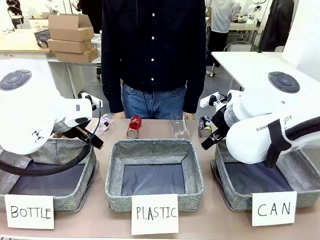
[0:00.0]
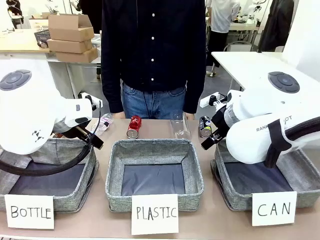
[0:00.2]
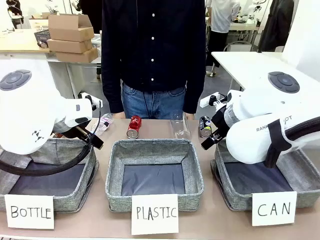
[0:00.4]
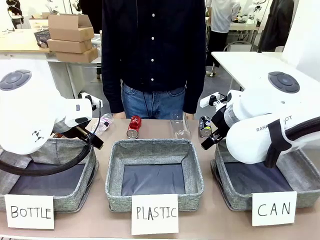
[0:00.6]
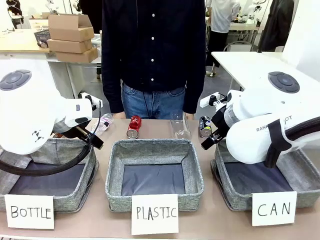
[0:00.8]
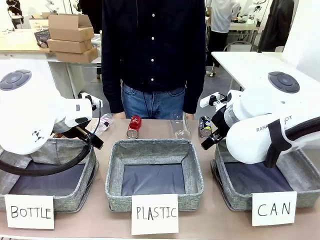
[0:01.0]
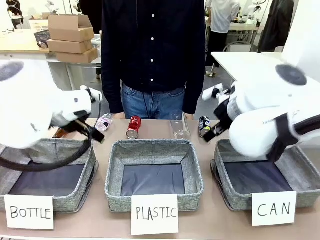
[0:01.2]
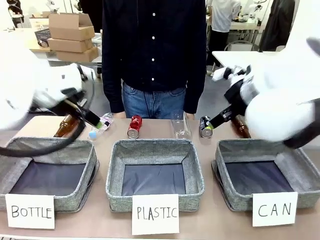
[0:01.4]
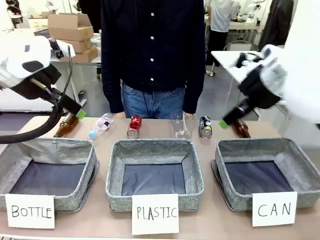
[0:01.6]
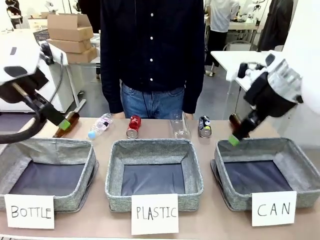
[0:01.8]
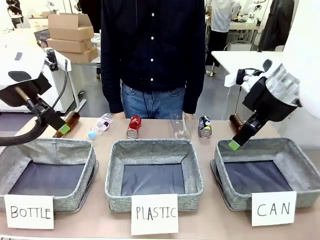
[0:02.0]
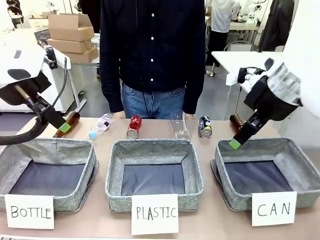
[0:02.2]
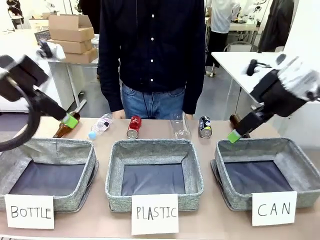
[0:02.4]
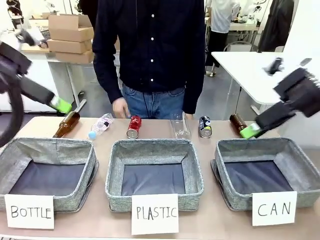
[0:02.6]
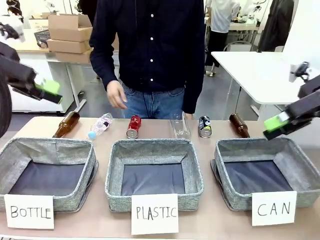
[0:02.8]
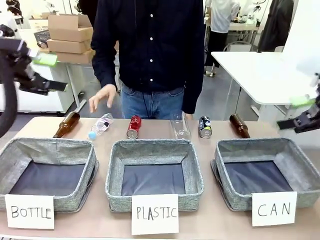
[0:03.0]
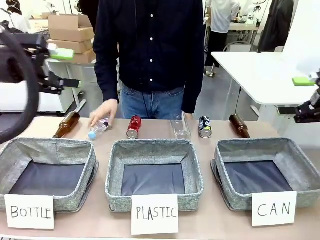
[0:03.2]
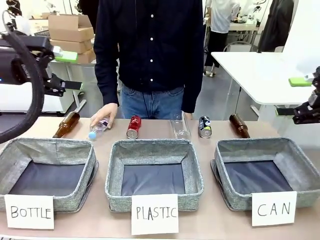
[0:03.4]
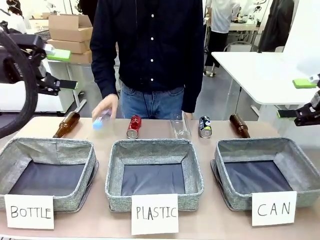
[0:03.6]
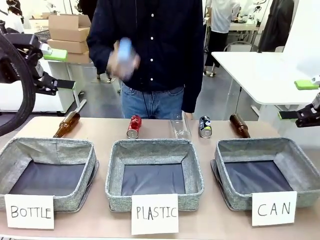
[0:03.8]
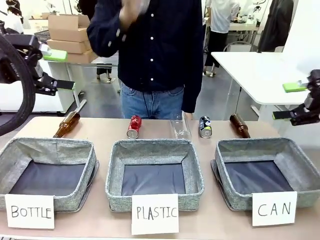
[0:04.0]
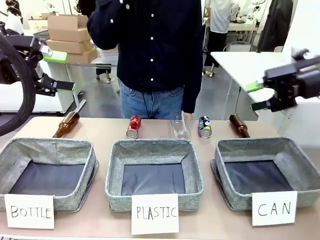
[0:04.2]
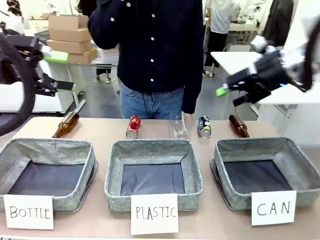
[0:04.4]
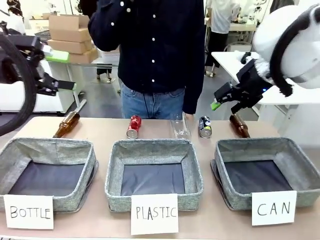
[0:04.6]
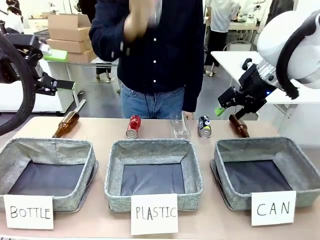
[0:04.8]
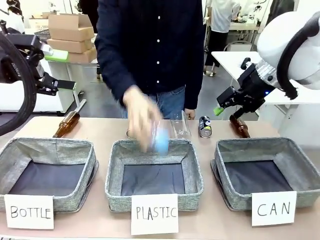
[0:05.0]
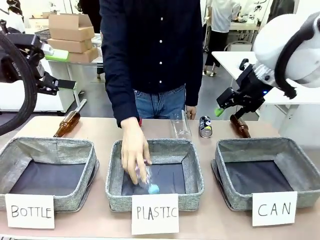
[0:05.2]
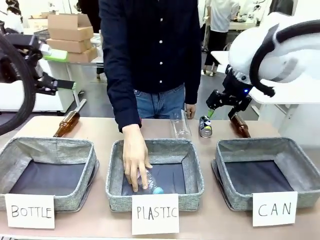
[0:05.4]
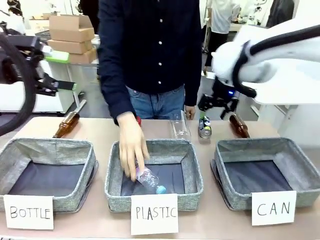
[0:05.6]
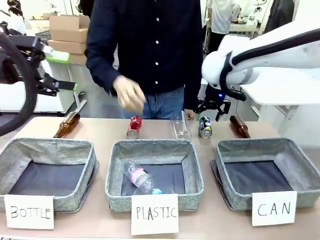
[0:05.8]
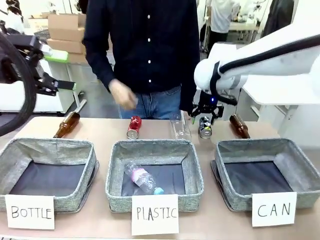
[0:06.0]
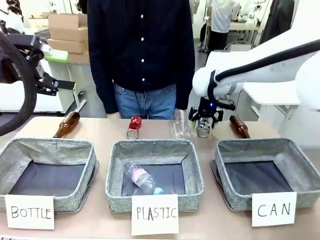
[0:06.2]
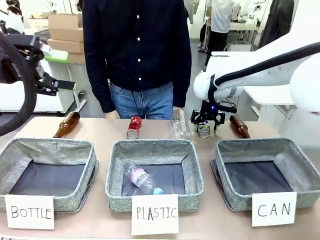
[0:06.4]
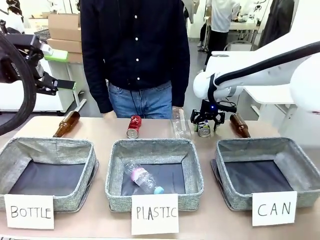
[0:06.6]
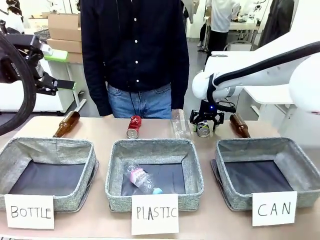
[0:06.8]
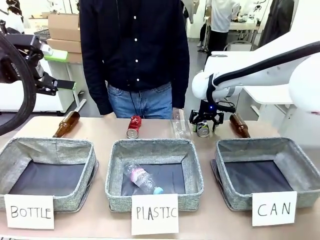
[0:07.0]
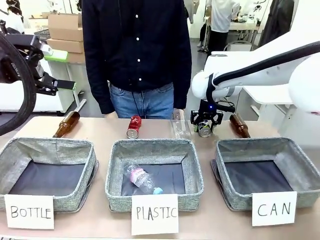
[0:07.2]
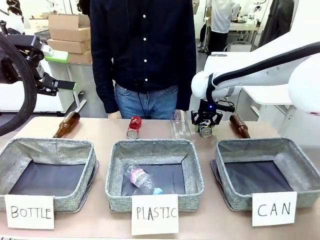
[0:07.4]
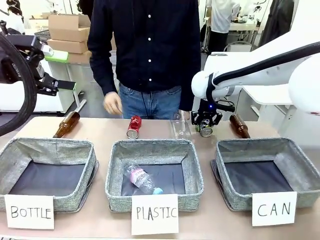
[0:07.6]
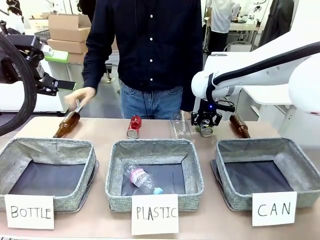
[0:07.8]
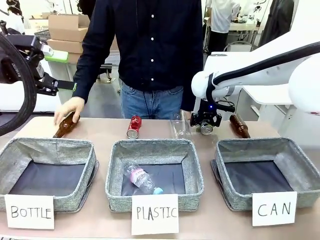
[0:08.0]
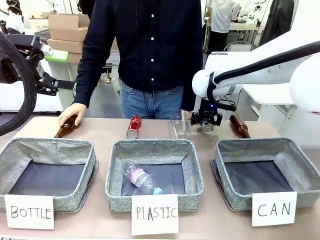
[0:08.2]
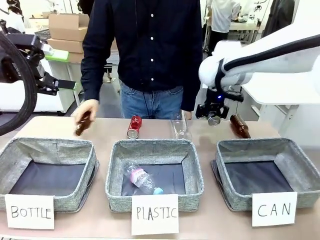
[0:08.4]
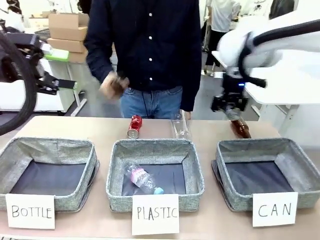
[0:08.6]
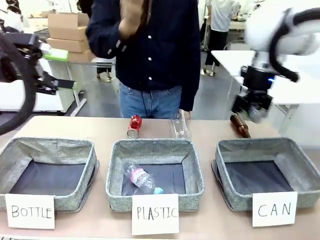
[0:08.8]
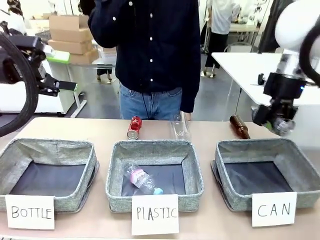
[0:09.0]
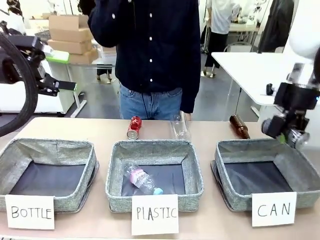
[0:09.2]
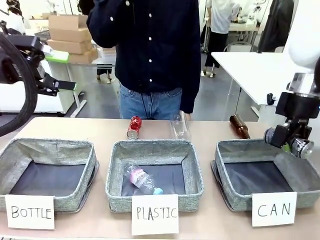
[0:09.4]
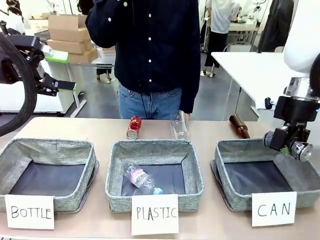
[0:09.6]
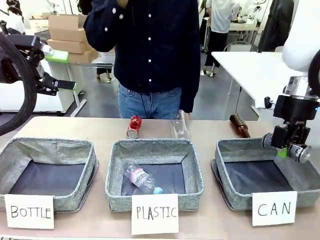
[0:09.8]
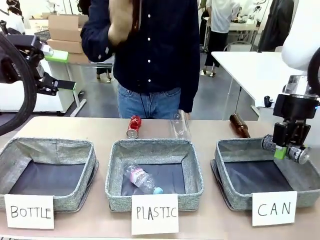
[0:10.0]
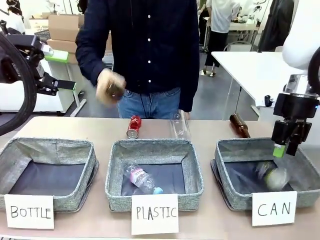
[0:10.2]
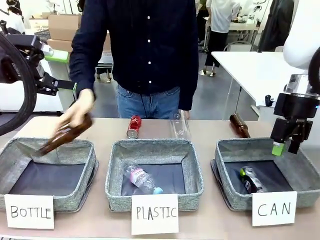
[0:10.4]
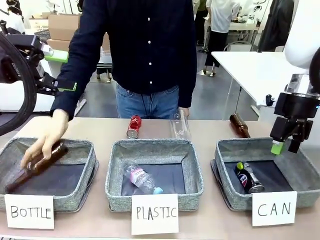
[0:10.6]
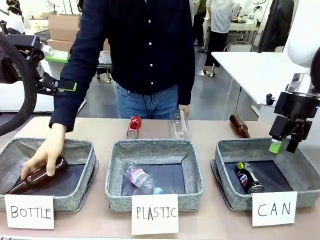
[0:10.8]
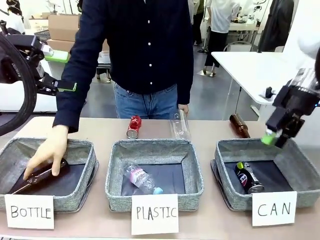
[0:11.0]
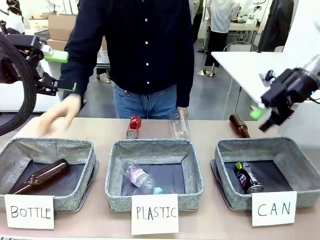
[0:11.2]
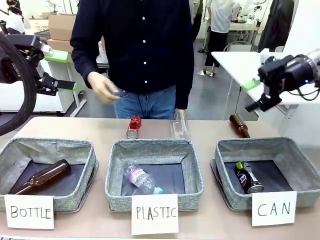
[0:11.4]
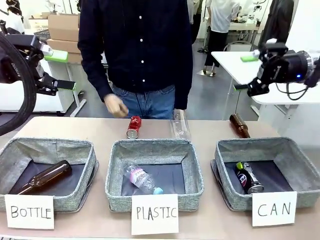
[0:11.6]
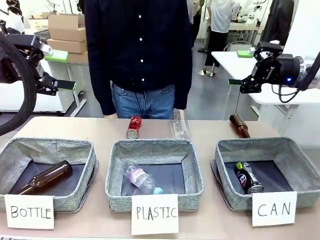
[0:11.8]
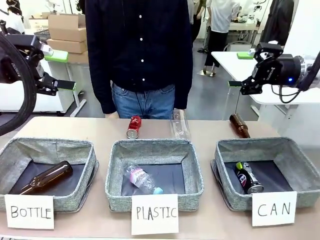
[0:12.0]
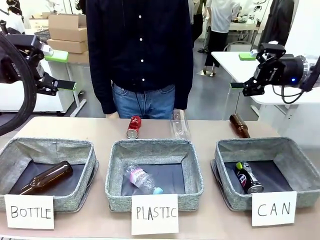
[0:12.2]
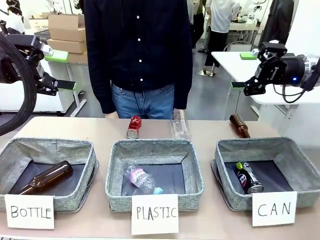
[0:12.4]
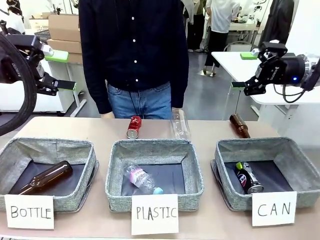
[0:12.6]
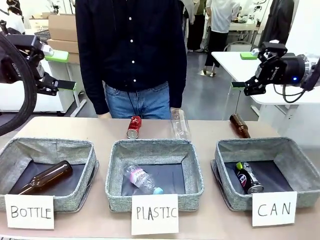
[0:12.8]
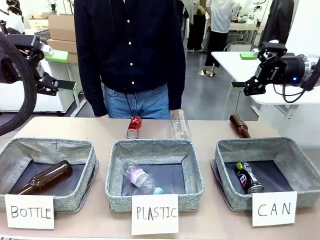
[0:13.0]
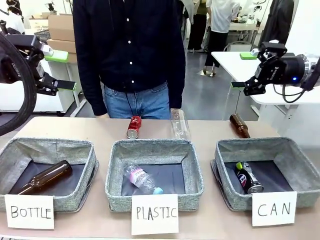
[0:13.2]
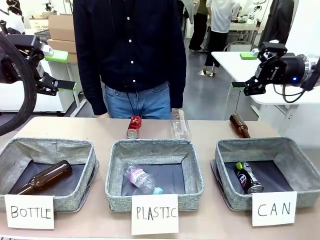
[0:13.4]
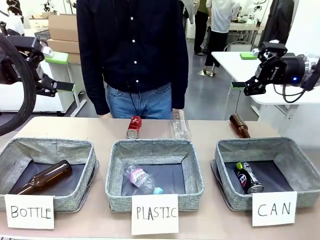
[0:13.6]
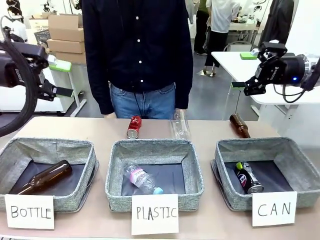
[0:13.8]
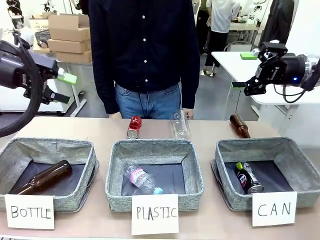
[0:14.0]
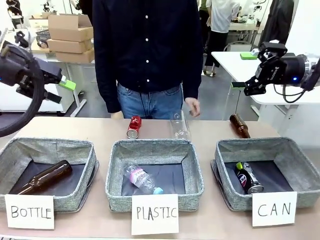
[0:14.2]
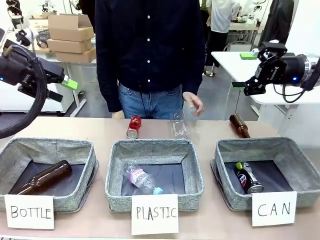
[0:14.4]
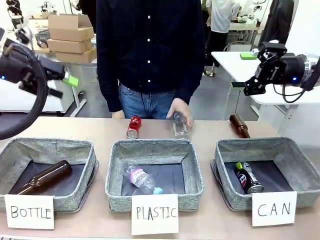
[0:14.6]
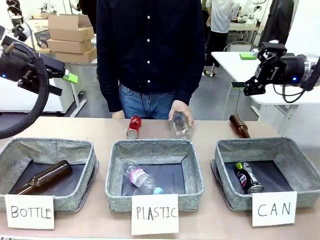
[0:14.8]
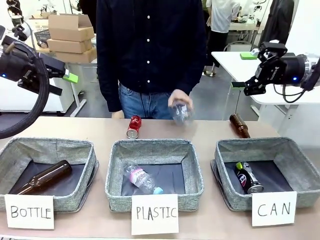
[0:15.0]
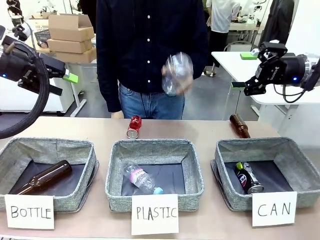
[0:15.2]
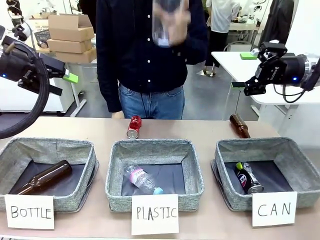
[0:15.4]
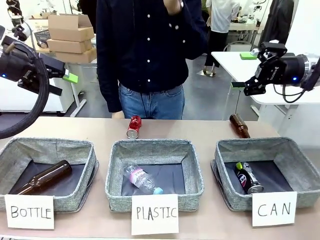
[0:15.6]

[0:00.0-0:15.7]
Task: Sort the can waste into the basket.
Robot: Pick up the can waste from the table and place it in the right Fabric basket.
